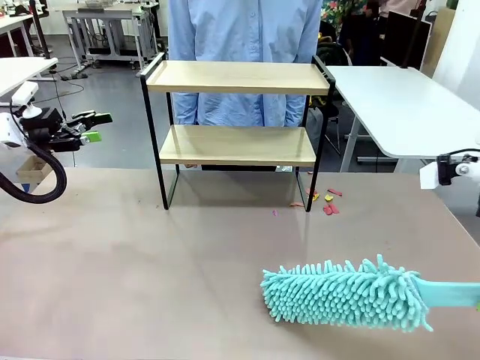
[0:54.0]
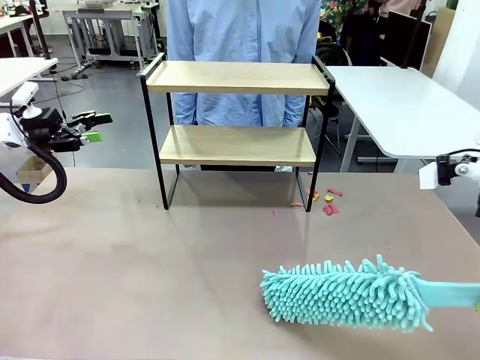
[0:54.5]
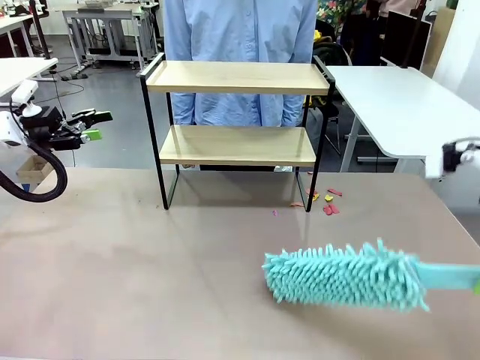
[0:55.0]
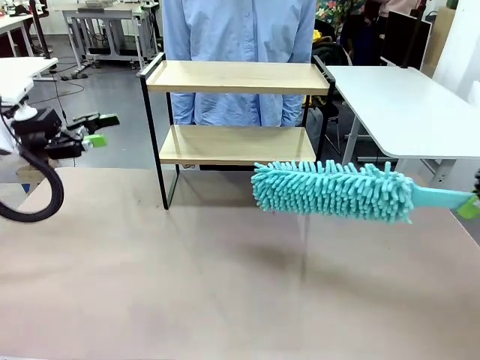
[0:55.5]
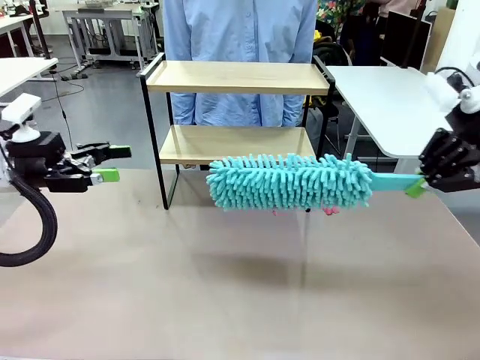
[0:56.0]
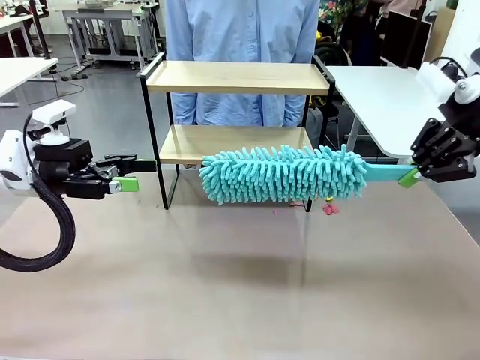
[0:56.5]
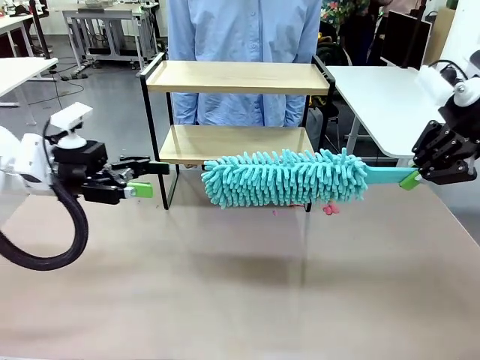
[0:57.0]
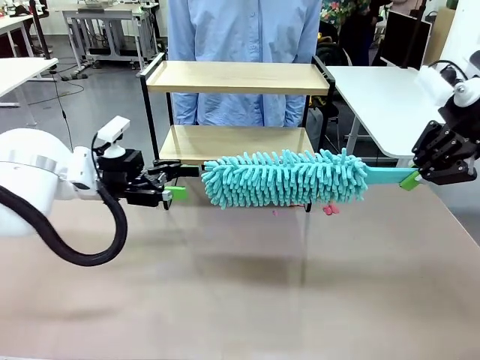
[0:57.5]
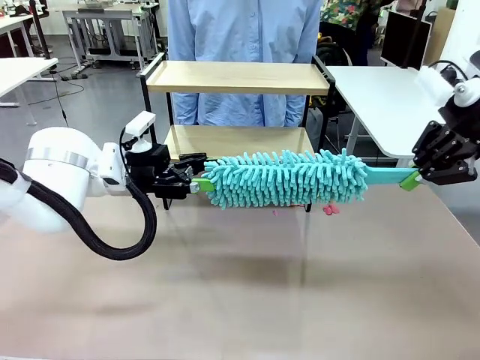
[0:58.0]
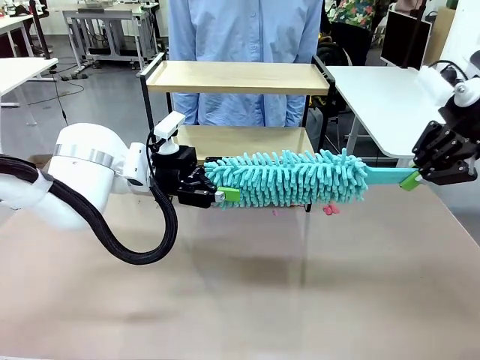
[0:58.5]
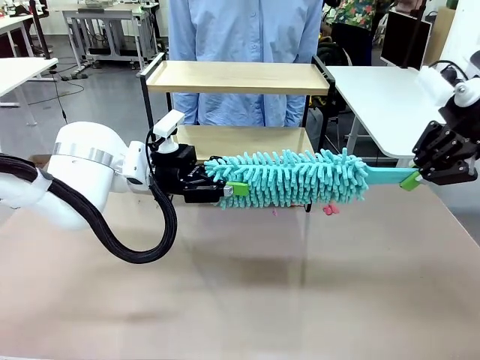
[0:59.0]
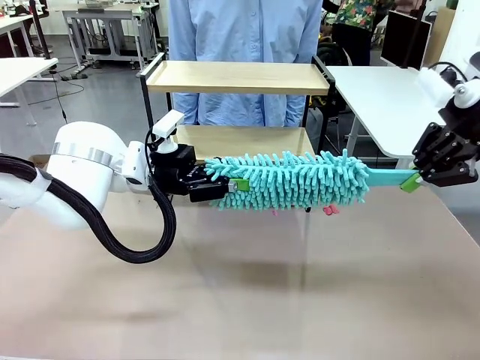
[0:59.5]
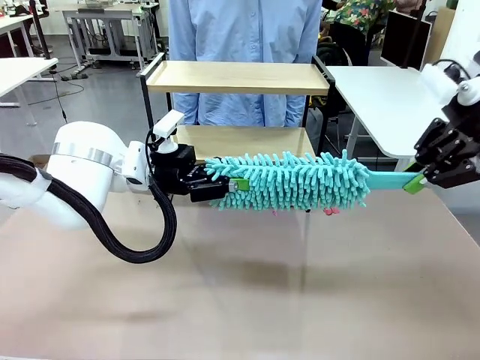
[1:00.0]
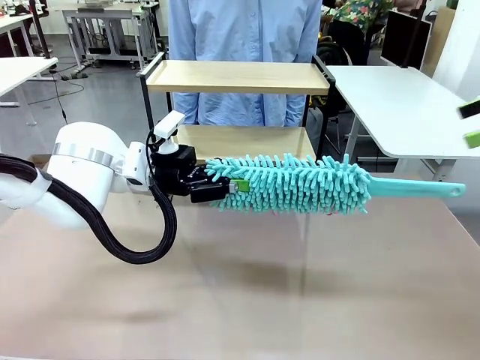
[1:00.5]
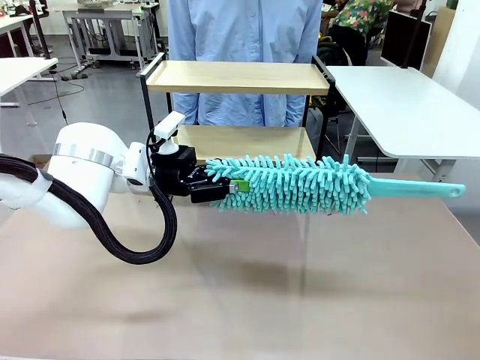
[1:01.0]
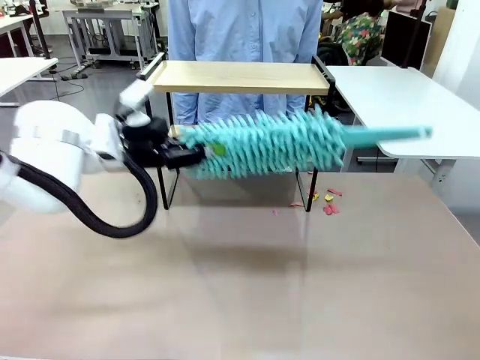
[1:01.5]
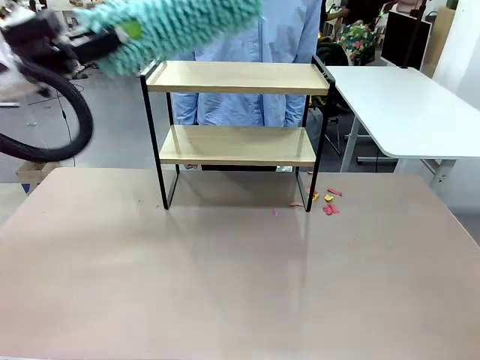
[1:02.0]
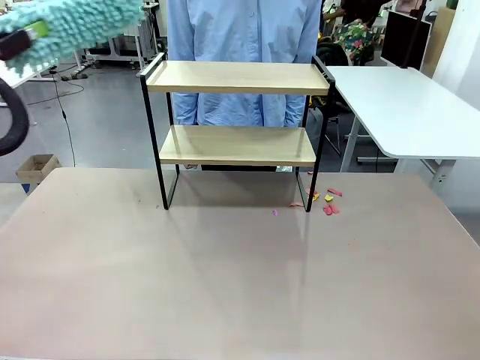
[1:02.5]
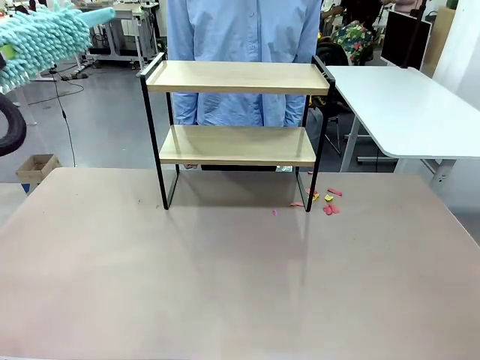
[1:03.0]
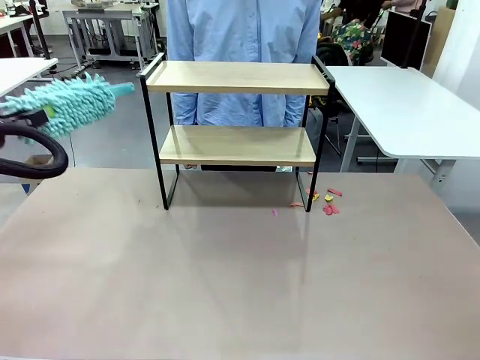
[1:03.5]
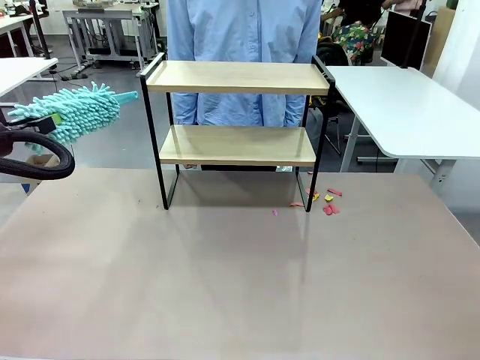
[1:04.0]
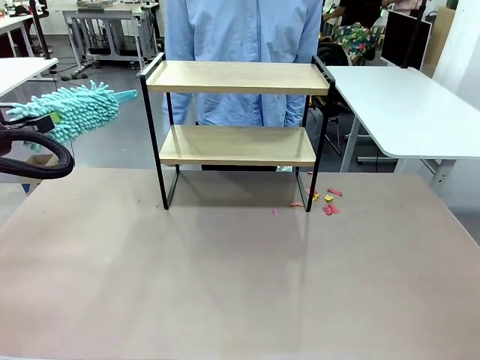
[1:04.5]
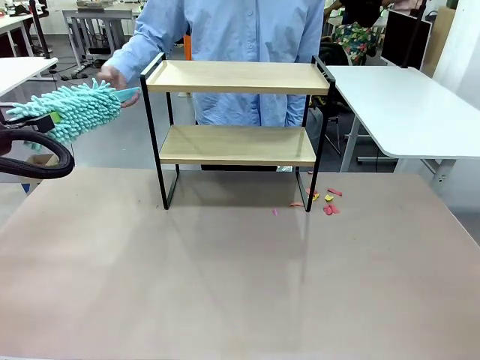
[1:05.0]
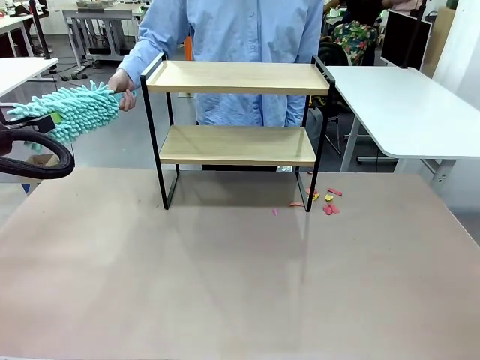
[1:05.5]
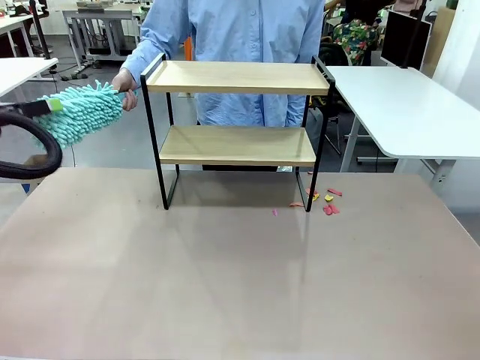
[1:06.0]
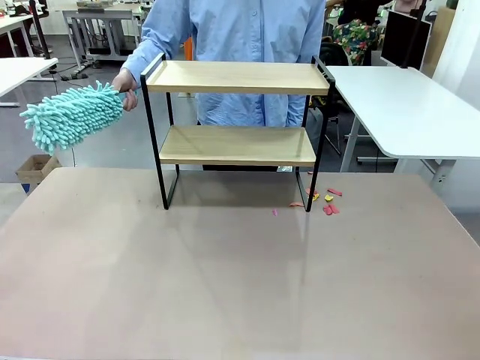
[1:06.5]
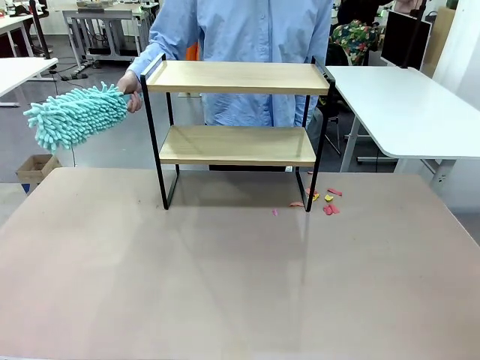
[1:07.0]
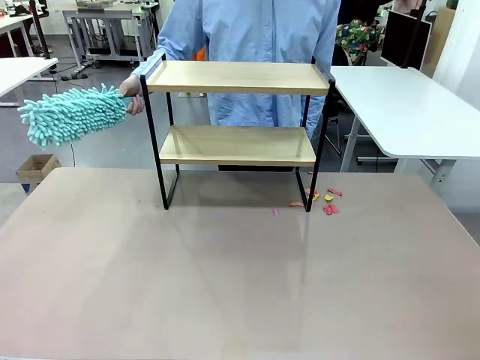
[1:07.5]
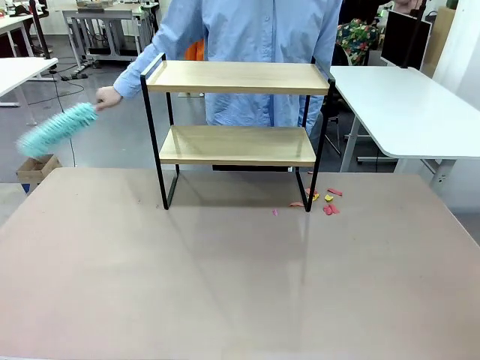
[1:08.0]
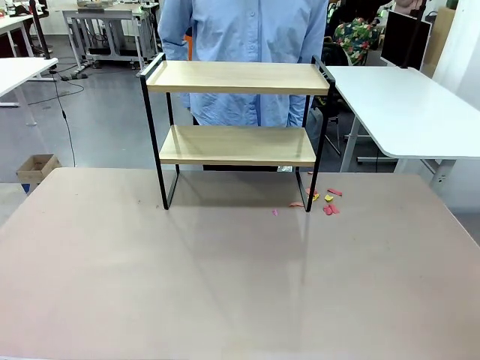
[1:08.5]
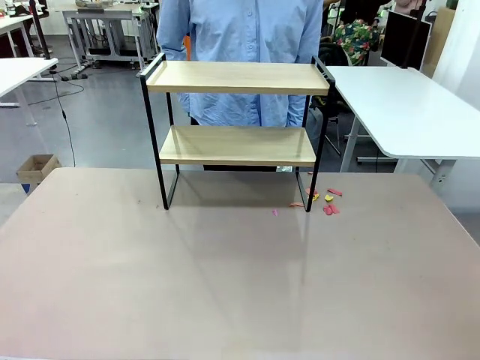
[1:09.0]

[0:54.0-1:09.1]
Task: Clean the shelf.
Robot: Hand the Duster back to the human.
Person: Receive the Duster from the robot.

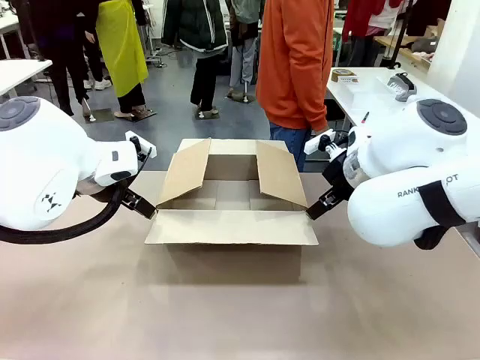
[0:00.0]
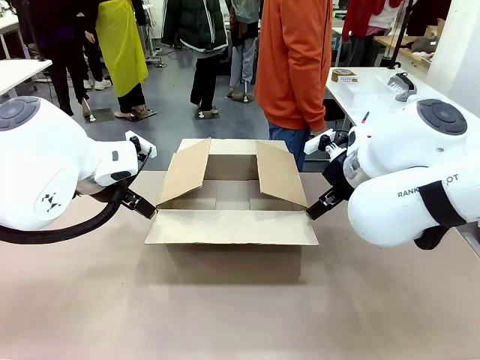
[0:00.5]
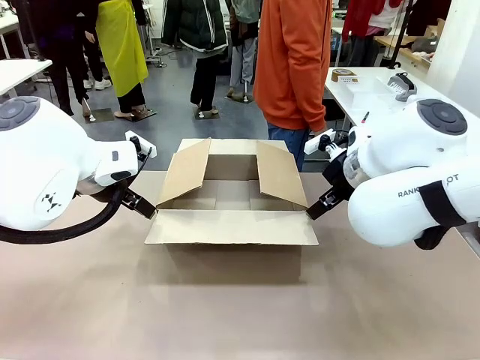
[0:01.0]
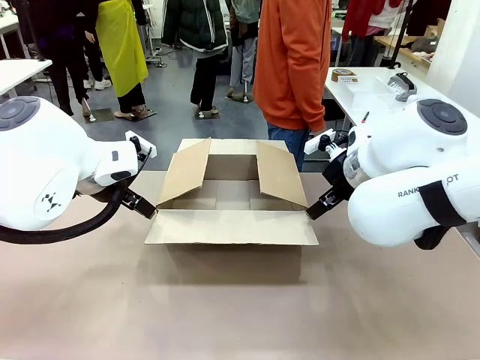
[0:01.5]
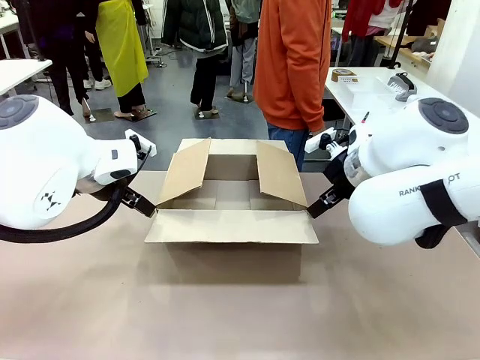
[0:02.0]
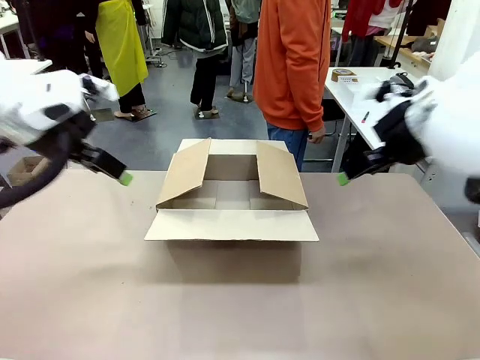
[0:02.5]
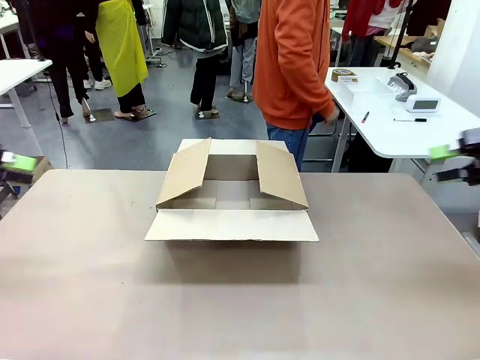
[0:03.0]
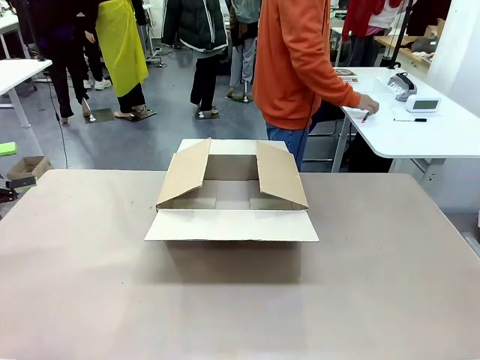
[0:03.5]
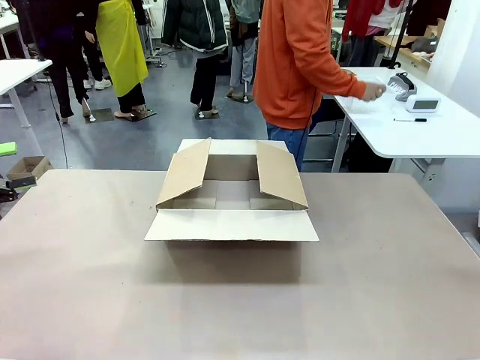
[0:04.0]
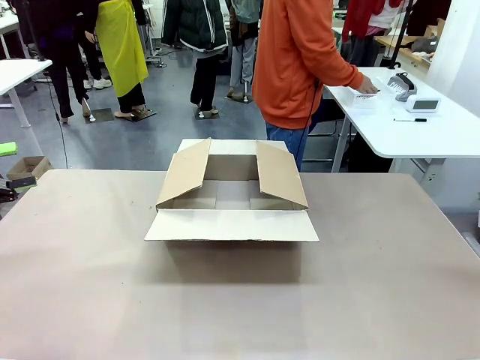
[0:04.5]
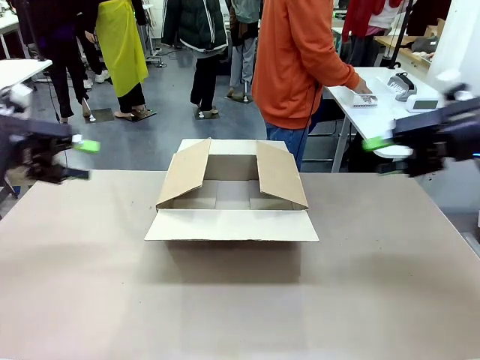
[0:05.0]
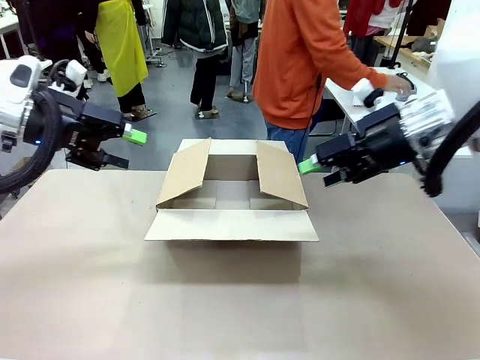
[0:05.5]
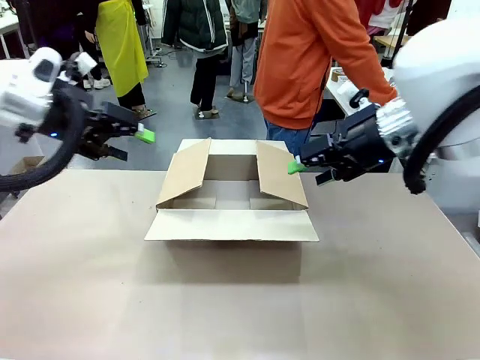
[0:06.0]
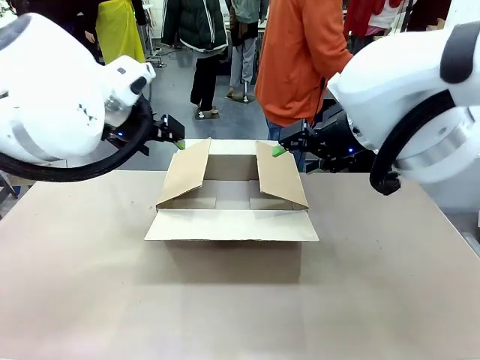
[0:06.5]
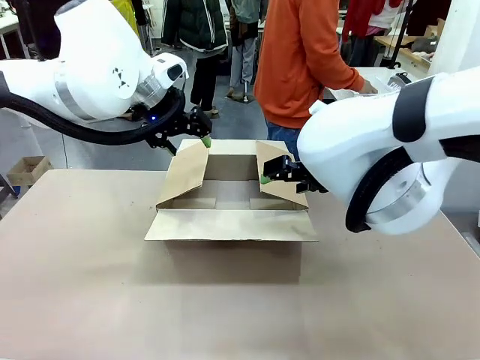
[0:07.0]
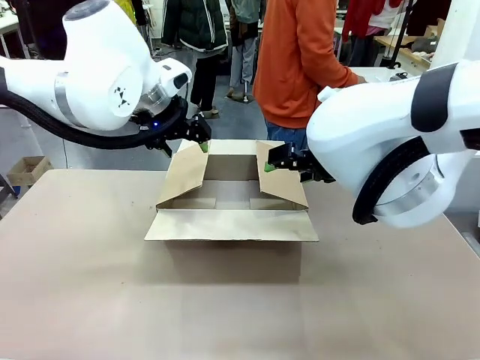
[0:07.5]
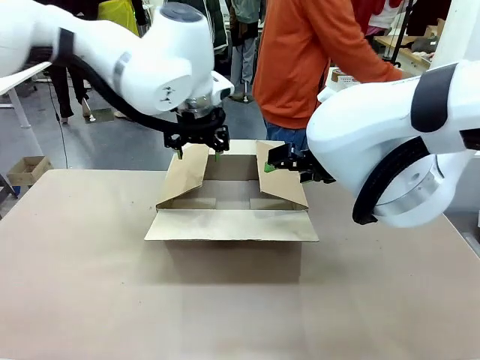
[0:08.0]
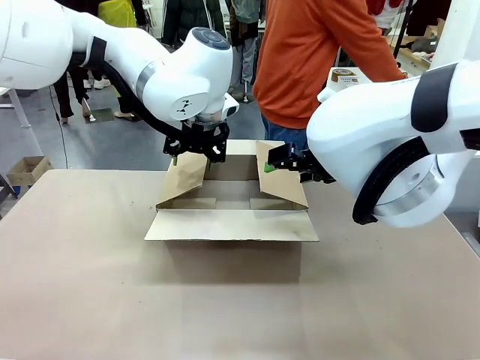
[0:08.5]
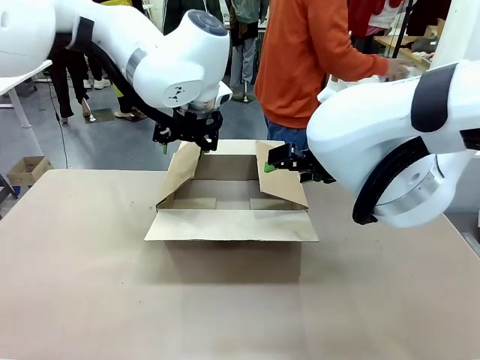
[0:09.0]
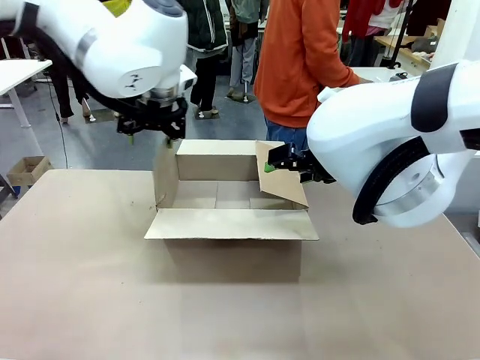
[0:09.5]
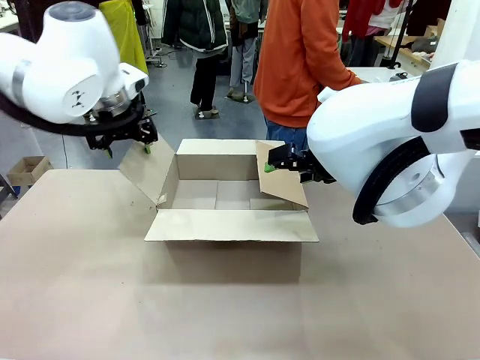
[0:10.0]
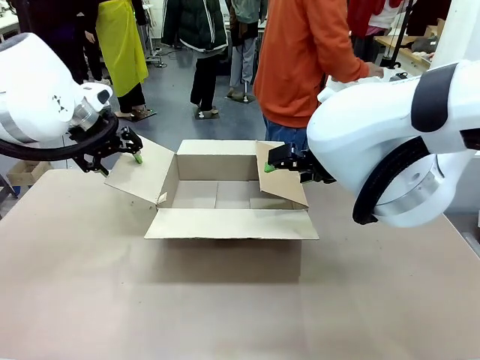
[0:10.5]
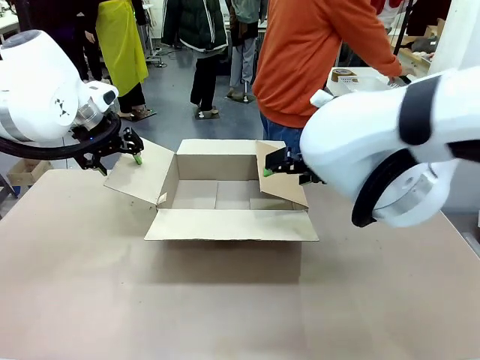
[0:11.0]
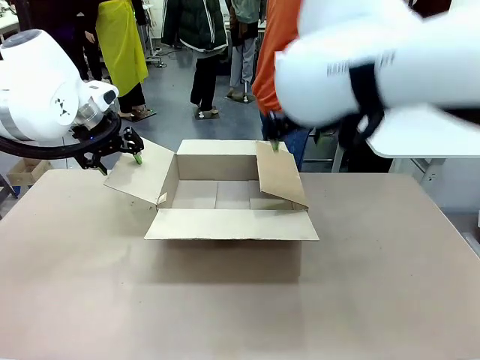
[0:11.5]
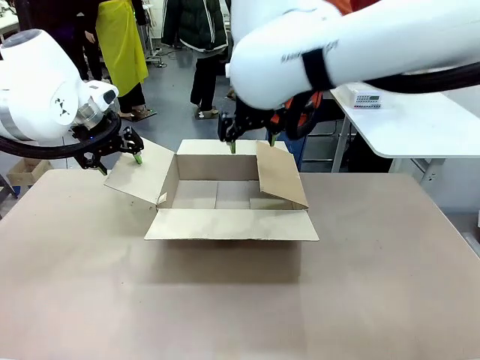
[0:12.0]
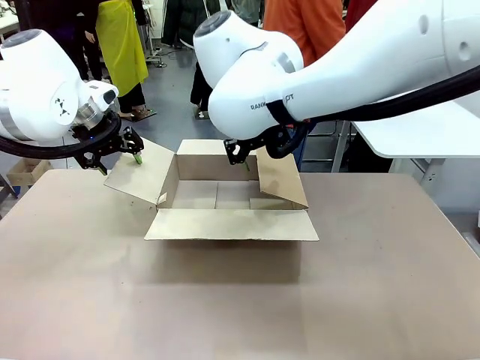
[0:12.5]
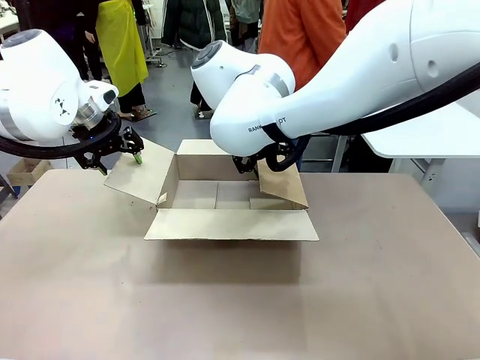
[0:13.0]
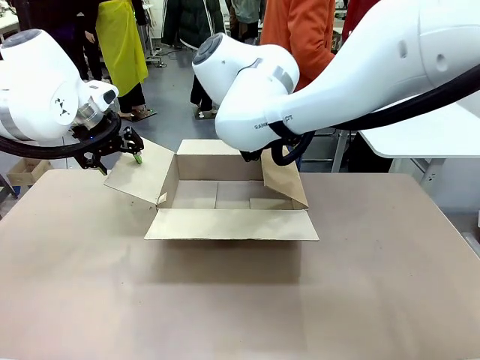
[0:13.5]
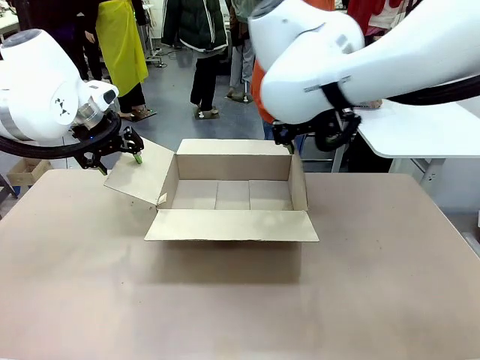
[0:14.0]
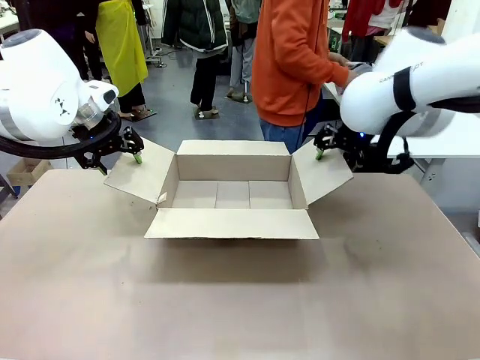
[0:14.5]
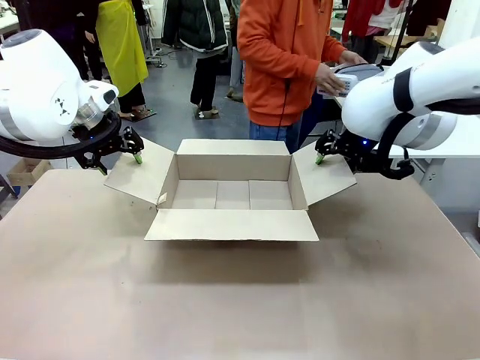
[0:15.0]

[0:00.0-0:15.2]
Task: Pack the gift set into the box.
Robot: Place both hands on the side flaps of the Package Box and spread them outward.
Person: The human places all items except the paper tape into the organizing basket.
